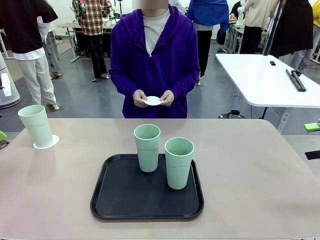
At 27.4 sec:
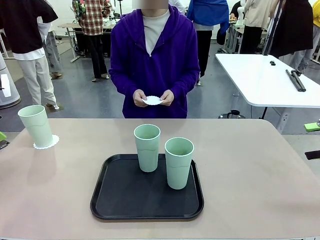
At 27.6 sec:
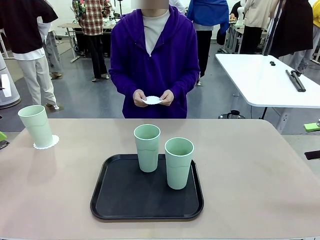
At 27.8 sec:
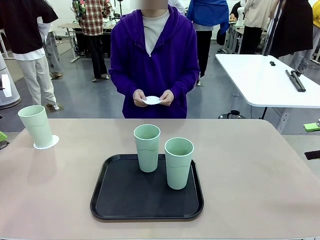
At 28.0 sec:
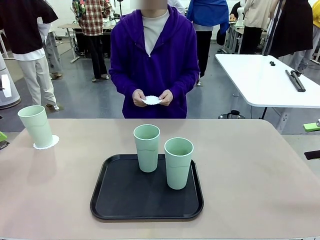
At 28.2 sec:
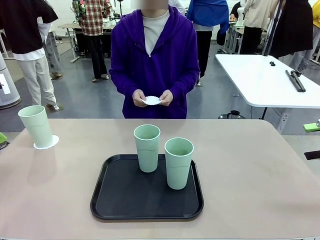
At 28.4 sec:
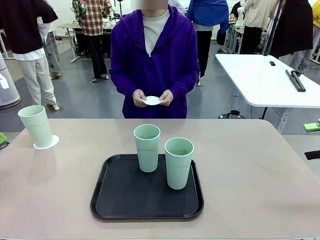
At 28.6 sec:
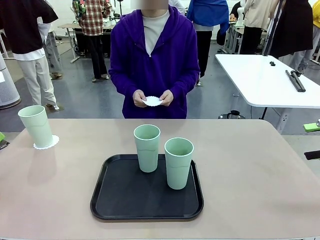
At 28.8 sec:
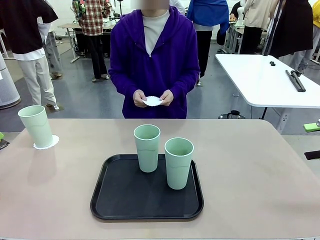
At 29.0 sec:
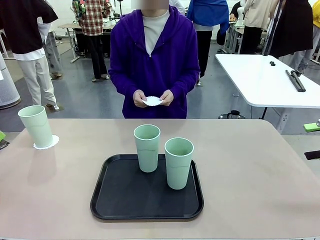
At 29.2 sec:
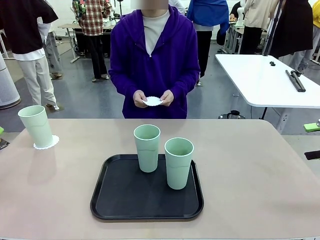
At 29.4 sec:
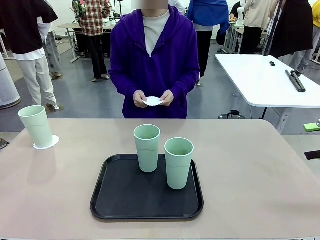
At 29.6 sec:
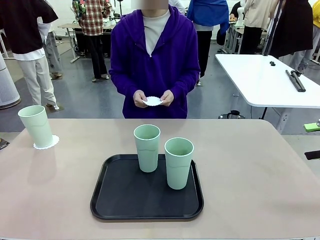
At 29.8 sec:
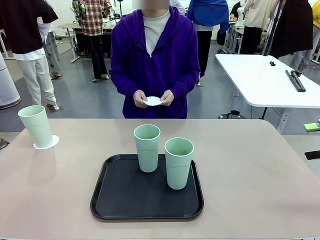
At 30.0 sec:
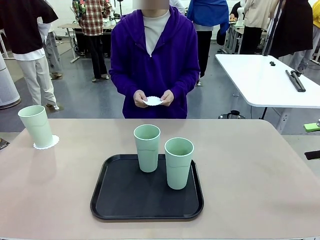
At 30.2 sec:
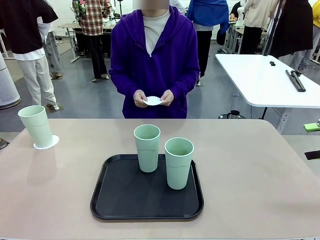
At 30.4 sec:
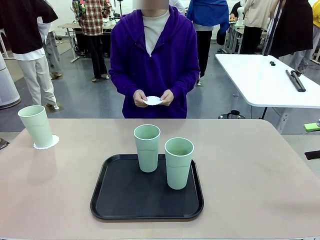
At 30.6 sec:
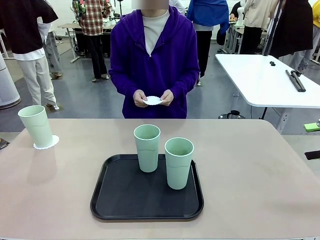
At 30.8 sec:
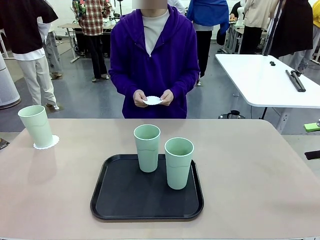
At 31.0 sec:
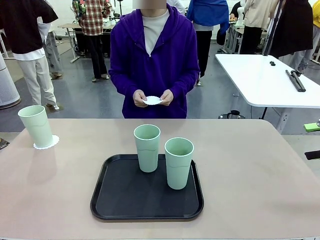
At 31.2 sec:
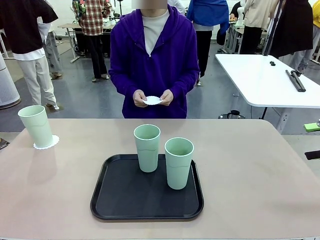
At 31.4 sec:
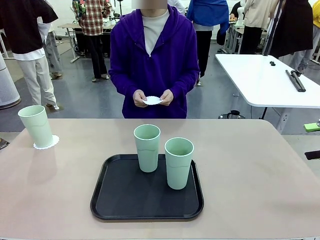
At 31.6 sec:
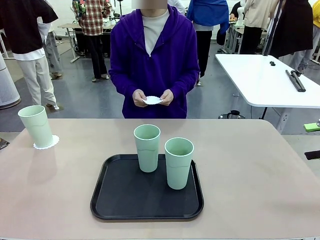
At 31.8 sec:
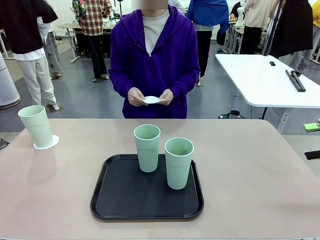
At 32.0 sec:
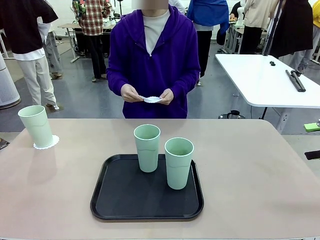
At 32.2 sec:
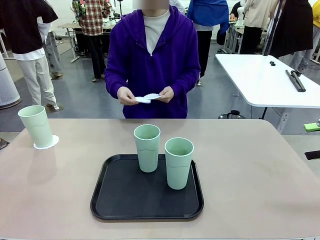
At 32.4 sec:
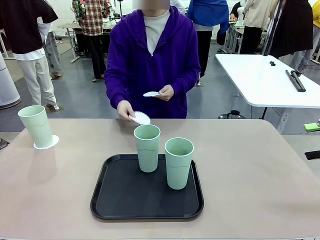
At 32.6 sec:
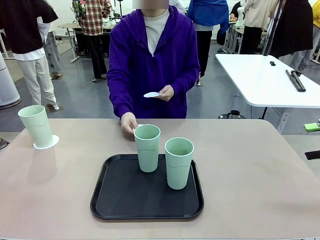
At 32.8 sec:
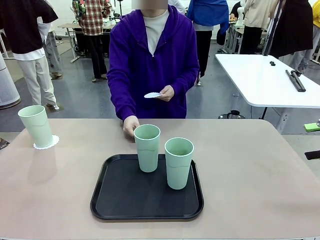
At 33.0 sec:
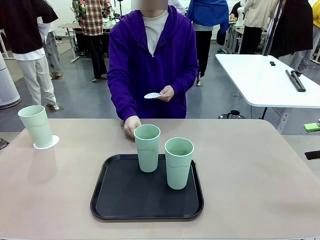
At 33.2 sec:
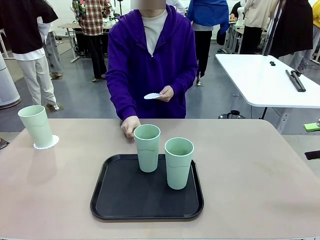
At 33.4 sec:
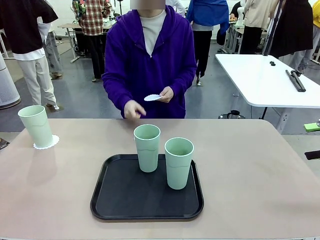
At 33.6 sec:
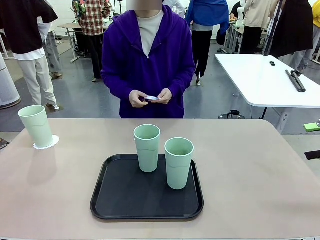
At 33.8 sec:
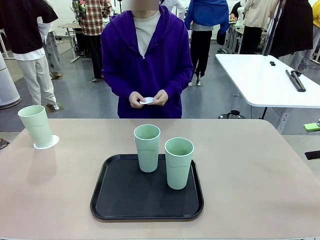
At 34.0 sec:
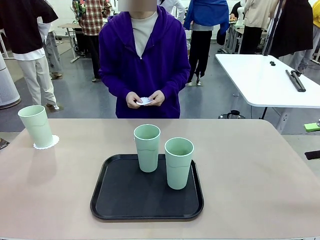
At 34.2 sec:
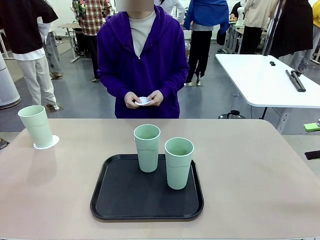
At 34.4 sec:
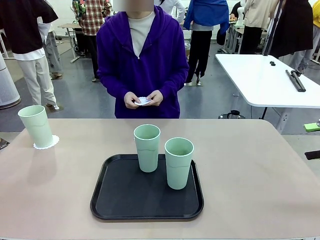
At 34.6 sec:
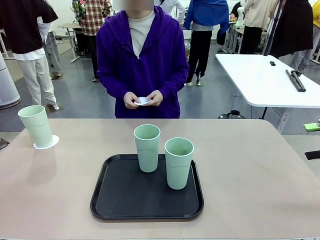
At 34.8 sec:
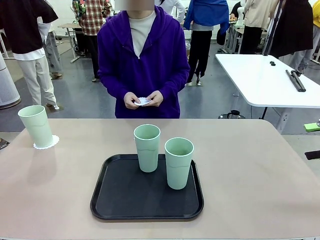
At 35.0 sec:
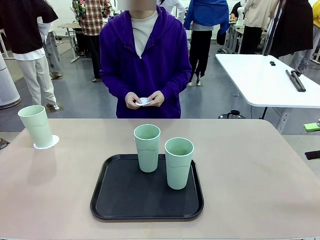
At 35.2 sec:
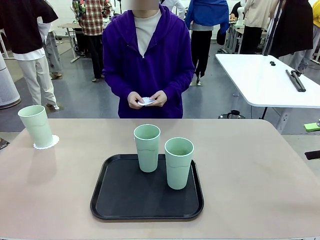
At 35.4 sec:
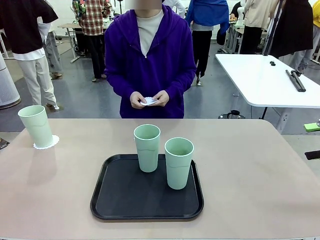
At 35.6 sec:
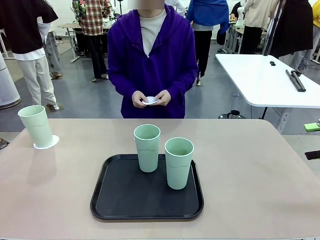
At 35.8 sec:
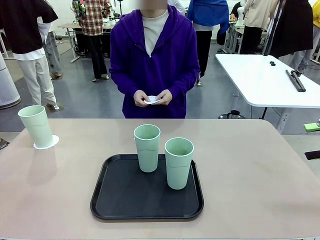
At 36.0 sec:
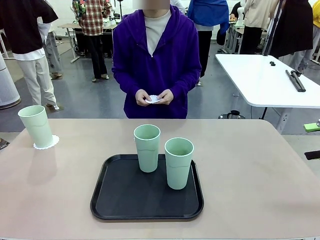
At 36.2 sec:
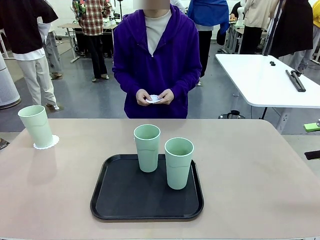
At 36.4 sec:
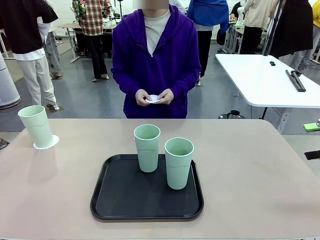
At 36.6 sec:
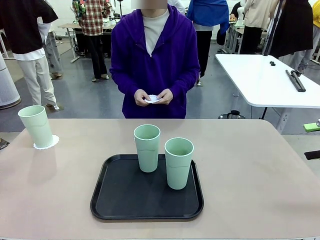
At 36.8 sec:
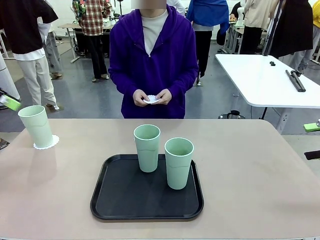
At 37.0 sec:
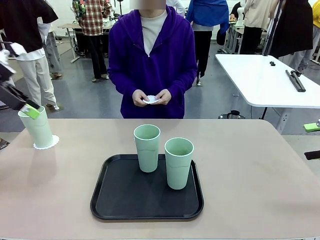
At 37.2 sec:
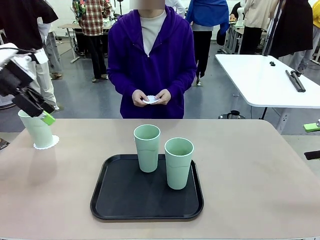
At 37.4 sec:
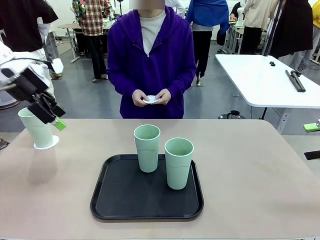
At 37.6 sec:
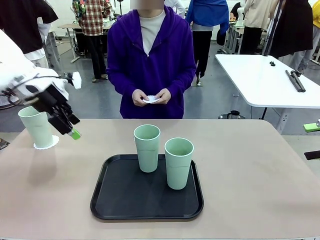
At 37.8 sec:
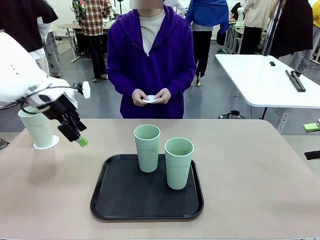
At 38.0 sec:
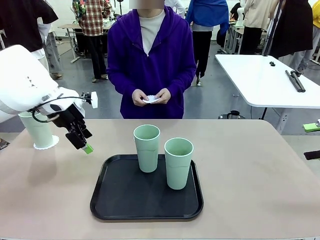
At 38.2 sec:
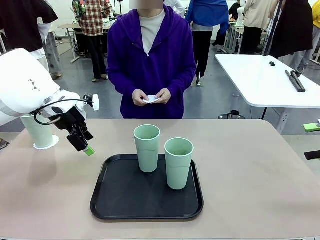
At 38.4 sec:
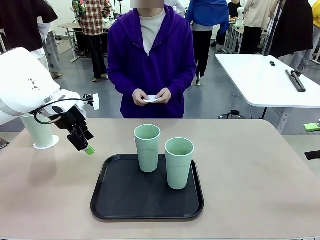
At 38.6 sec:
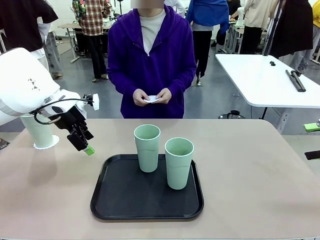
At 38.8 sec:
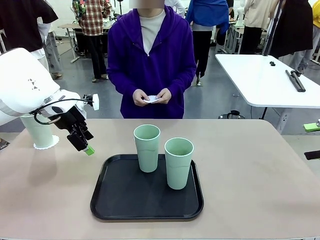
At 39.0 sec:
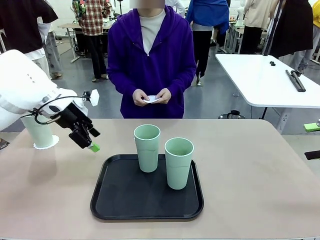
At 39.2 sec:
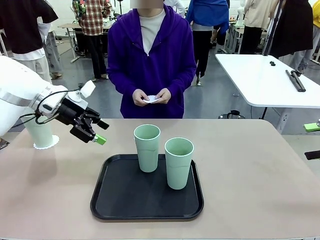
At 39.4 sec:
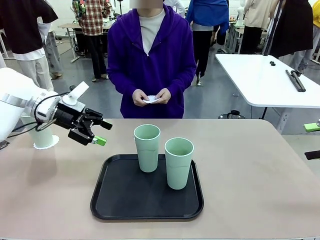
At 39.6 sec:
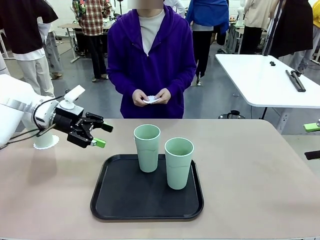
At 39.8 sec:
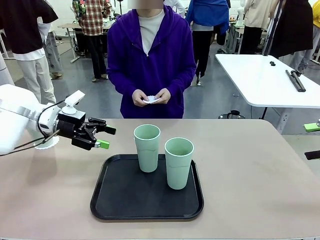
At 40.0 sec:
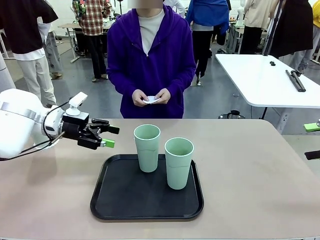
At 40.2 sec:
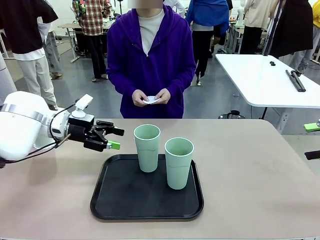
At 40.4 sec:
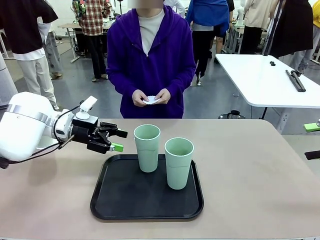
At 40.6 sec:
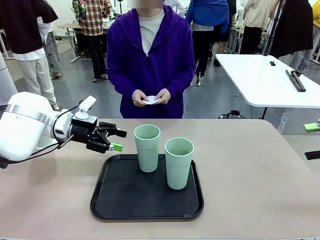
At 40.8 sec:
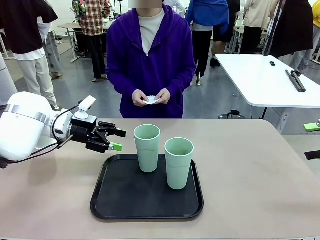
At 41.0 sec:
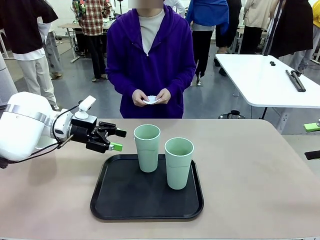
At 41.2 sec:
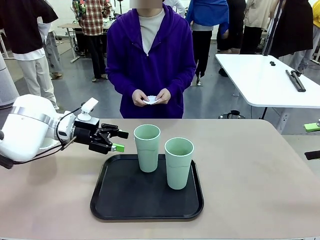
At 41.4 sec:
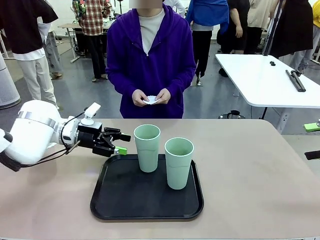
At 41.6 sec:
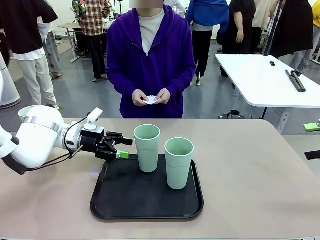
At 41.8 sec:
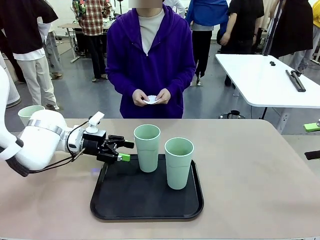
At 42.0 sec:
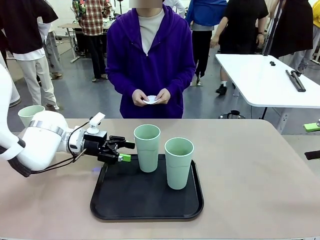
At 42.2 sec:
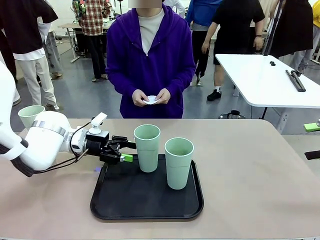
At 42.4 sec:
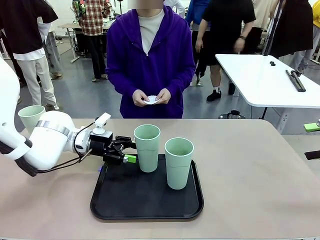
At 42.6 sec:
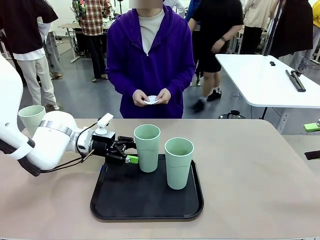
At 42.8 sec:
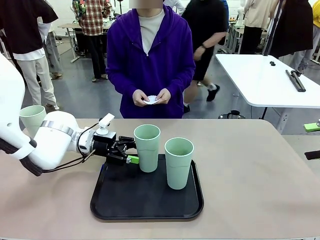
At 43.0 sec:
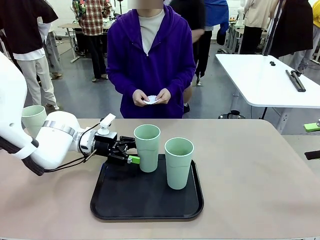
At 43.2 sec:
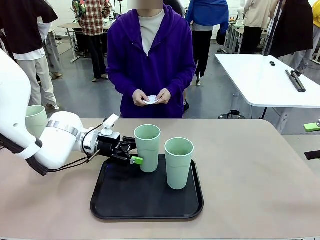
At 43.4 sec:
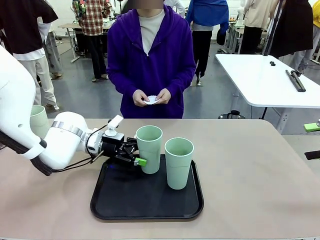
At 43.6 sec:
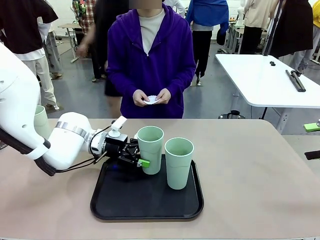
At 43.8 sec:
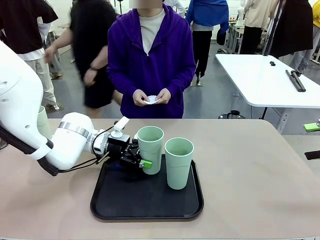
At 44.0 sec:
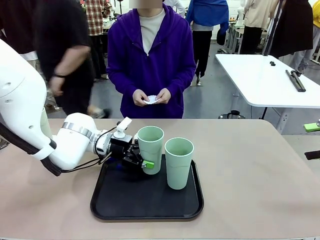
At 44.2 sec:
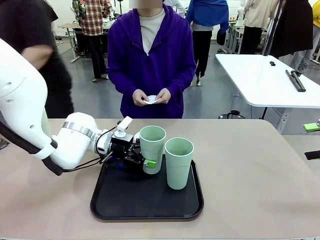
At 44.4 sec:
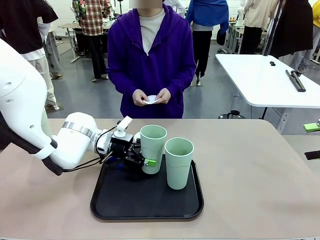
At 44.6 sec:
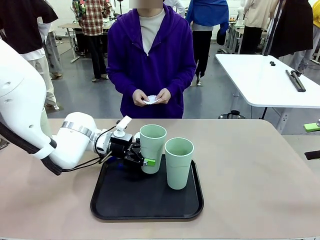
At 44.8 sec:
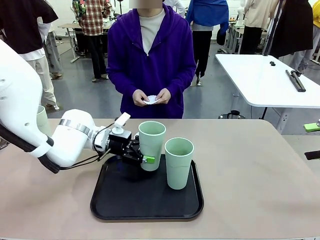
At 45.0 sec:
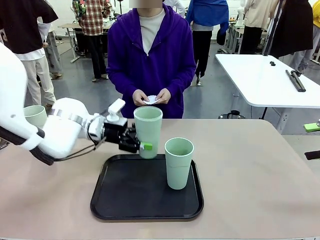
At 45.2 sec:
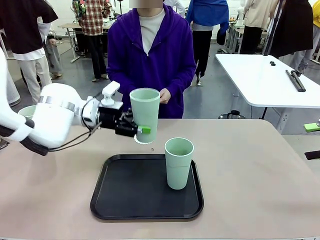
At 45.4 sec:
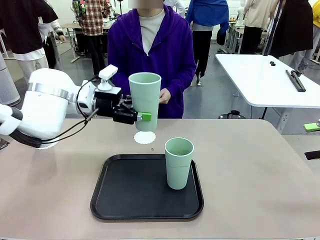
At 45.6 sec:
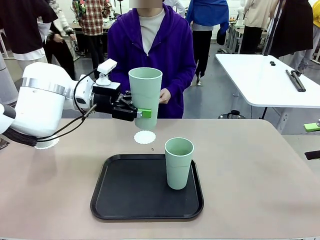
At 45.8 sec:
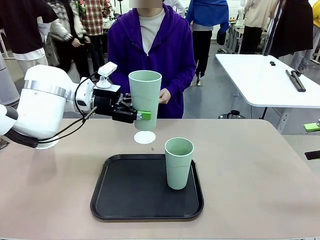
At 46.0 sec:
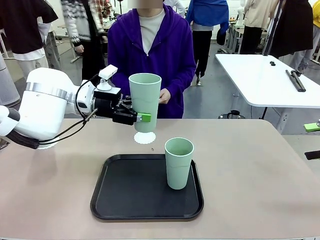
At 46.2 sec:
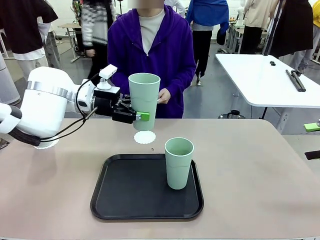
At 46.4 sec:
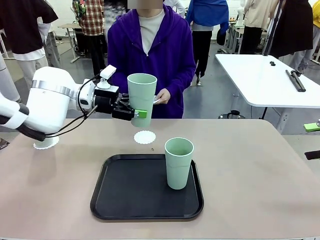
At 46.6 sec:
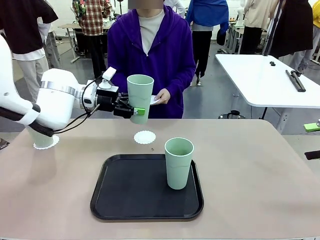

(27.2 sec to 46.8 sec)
Task: Place coasters on the table and set cups on them.
Robot: Take one Reusable plastic cup from the Flat Tray and place it on a coaster set by the human.
